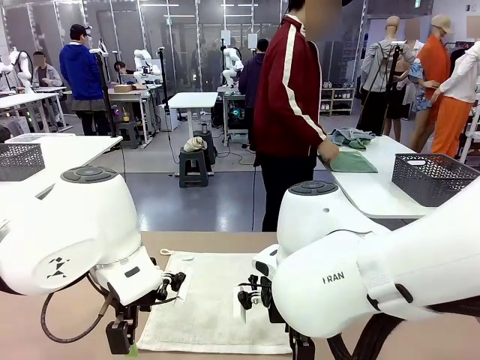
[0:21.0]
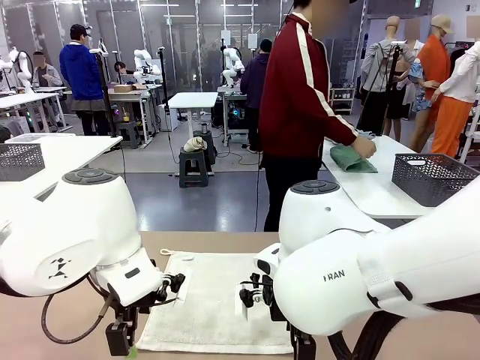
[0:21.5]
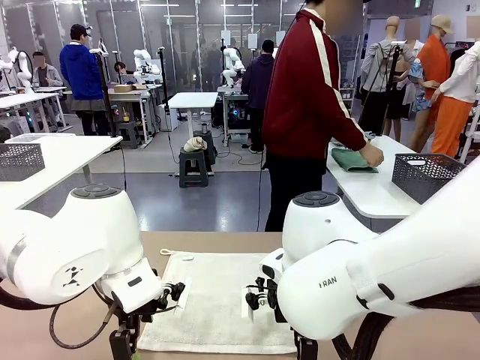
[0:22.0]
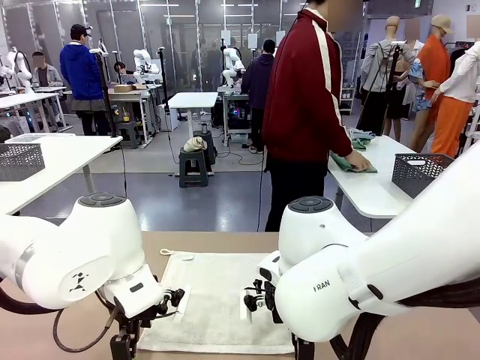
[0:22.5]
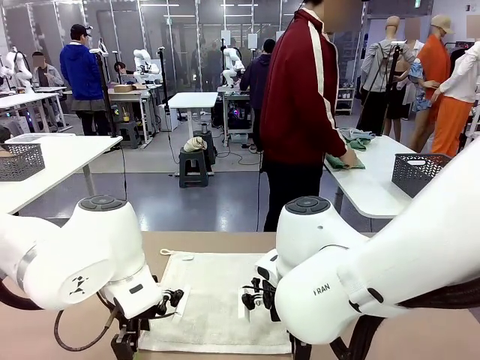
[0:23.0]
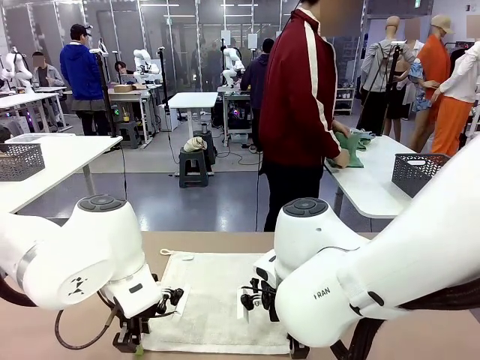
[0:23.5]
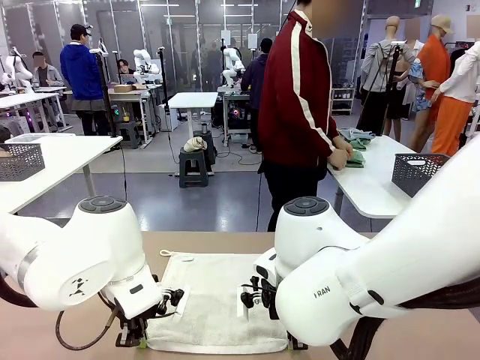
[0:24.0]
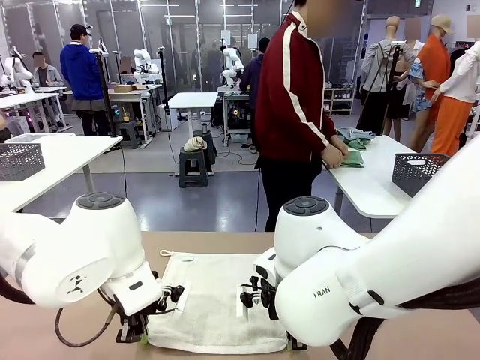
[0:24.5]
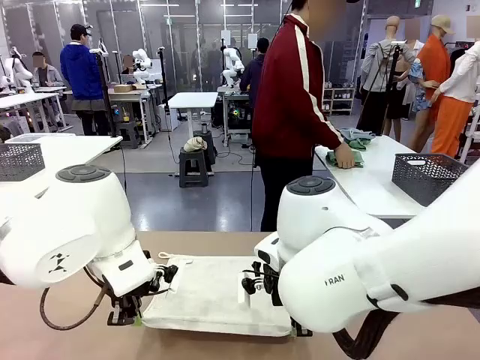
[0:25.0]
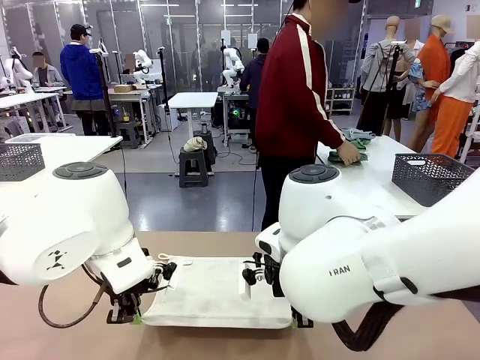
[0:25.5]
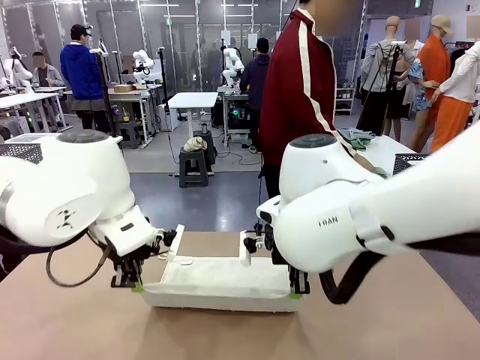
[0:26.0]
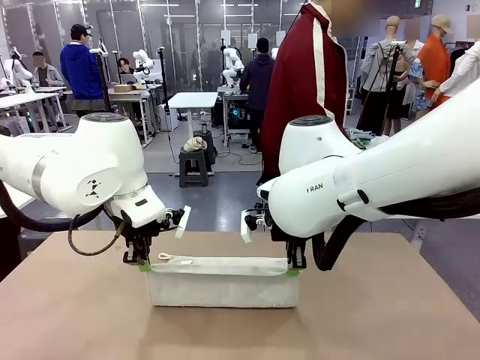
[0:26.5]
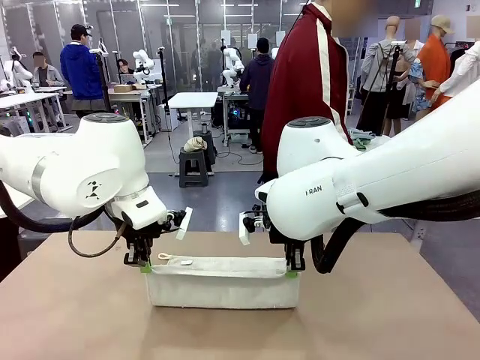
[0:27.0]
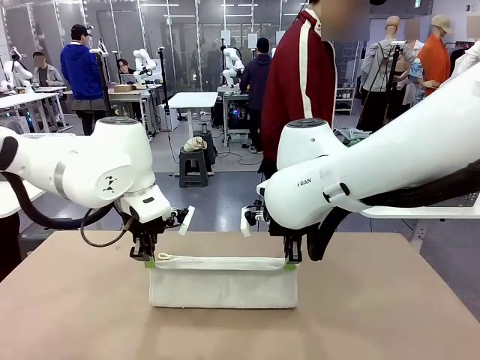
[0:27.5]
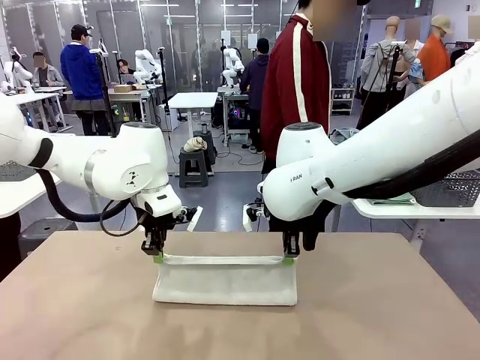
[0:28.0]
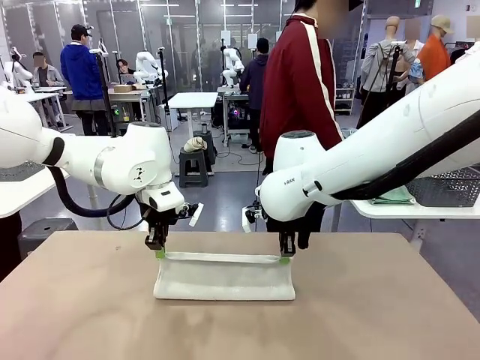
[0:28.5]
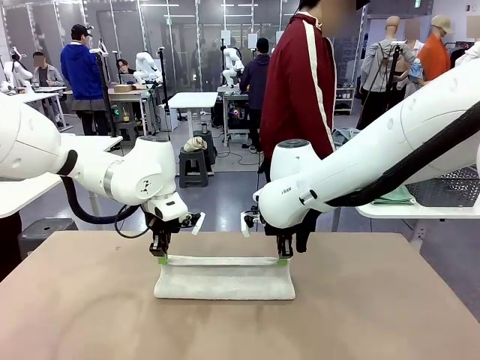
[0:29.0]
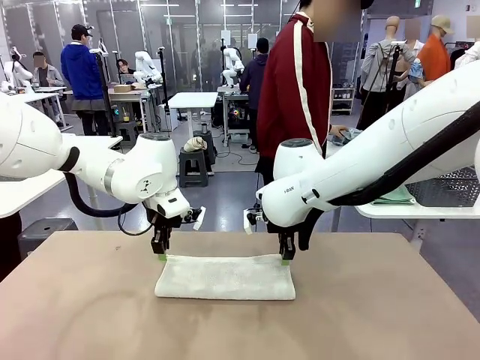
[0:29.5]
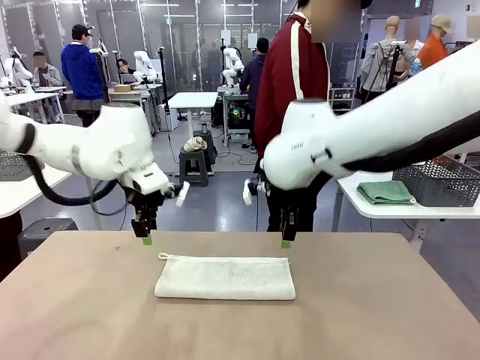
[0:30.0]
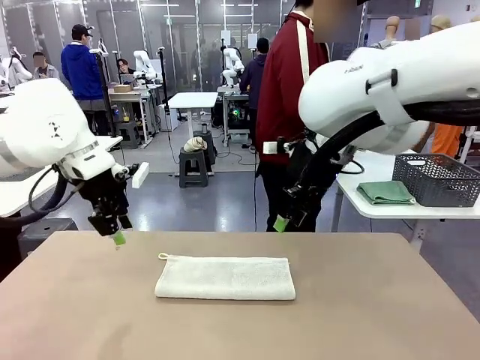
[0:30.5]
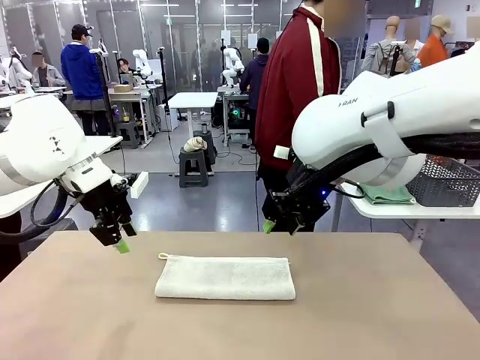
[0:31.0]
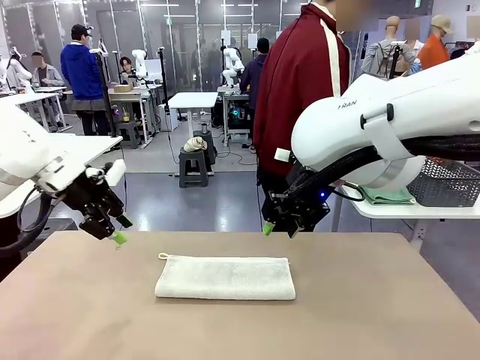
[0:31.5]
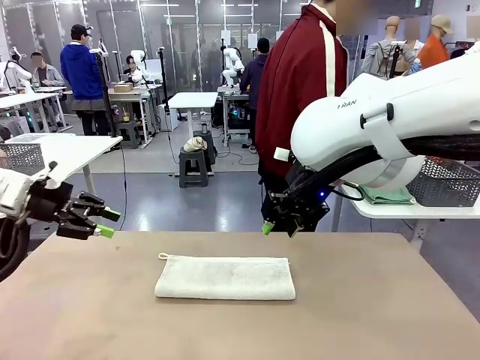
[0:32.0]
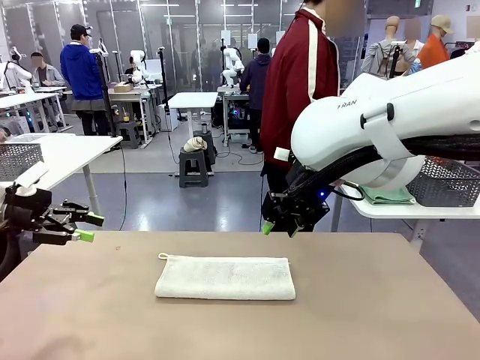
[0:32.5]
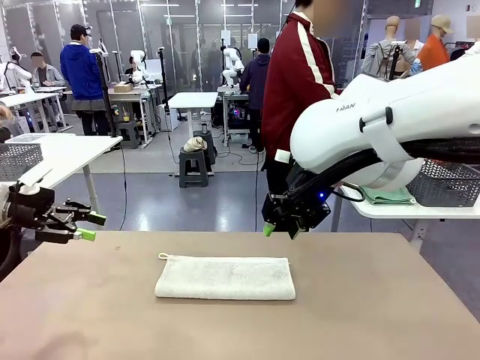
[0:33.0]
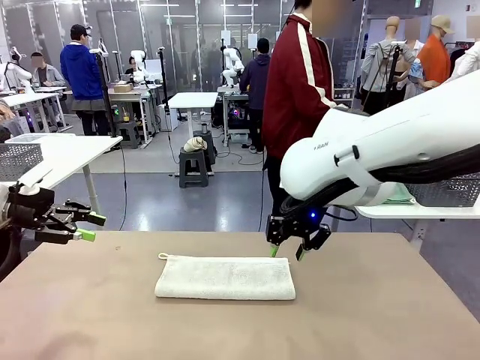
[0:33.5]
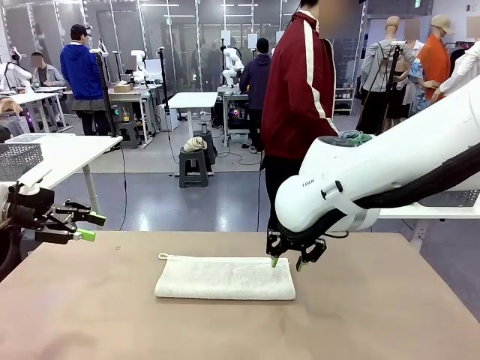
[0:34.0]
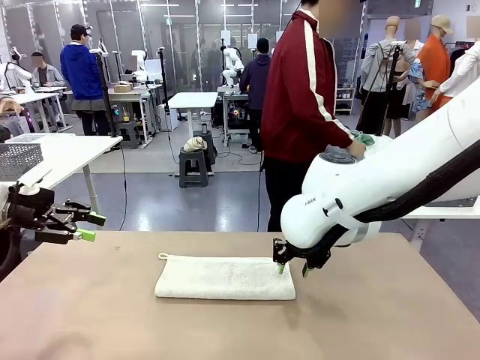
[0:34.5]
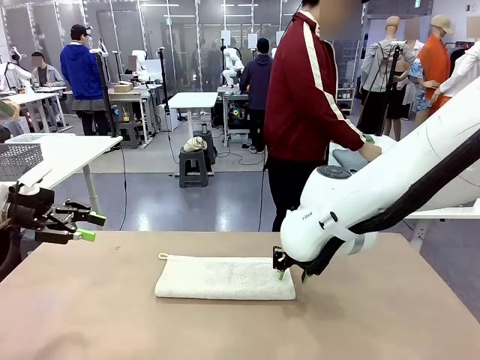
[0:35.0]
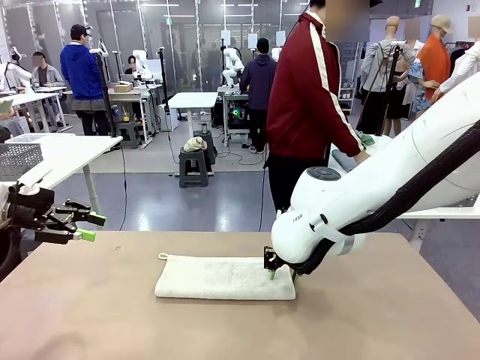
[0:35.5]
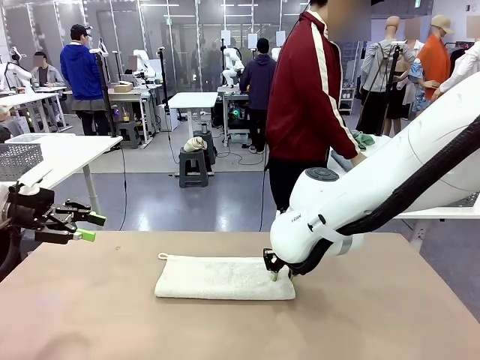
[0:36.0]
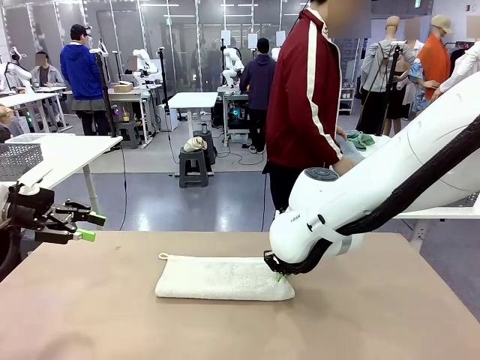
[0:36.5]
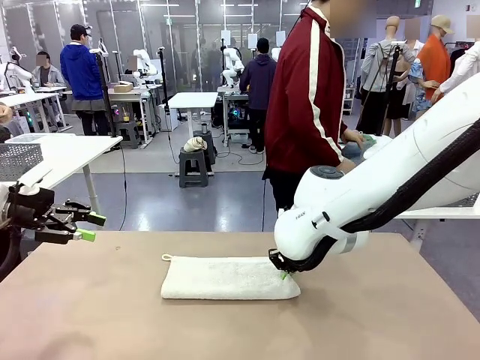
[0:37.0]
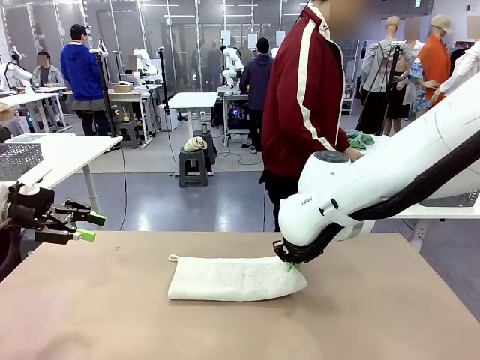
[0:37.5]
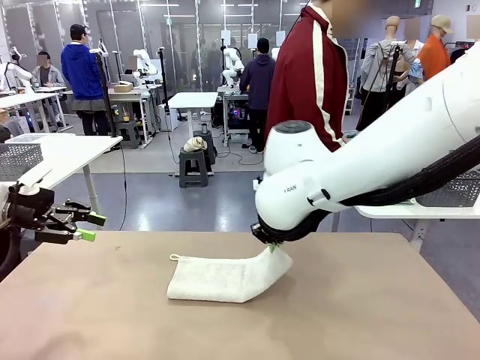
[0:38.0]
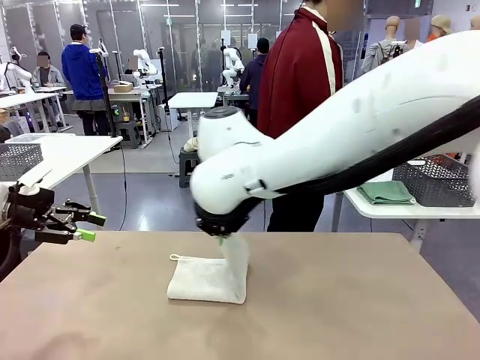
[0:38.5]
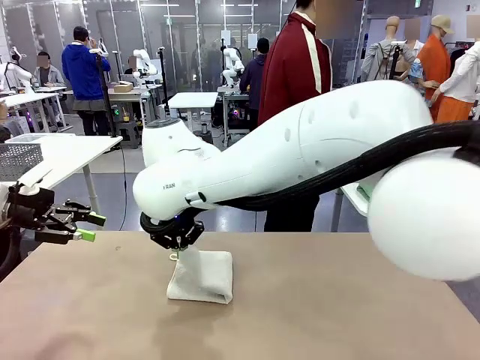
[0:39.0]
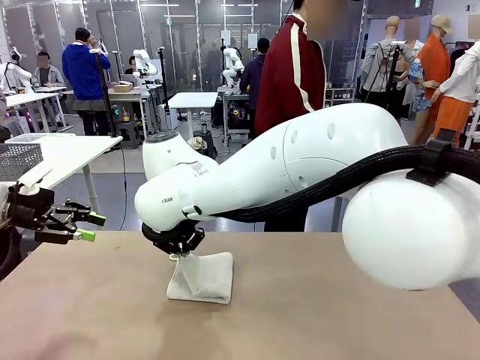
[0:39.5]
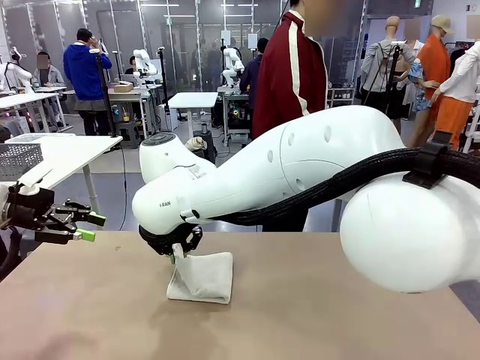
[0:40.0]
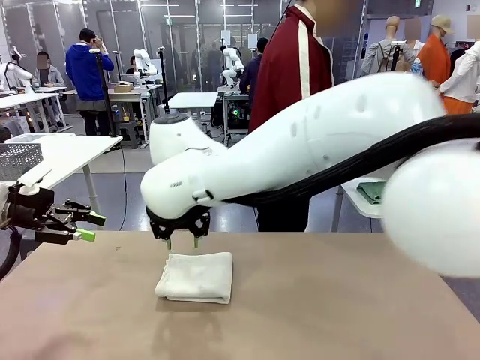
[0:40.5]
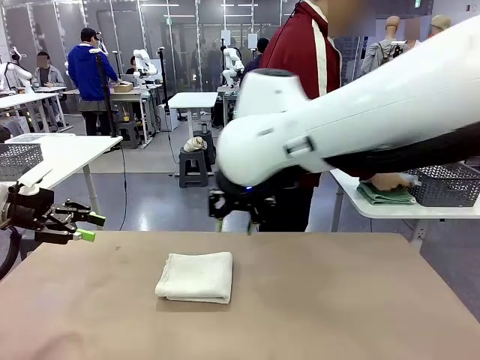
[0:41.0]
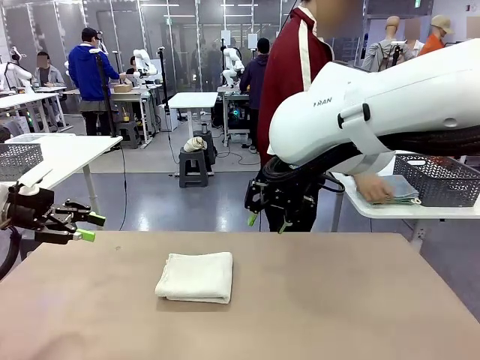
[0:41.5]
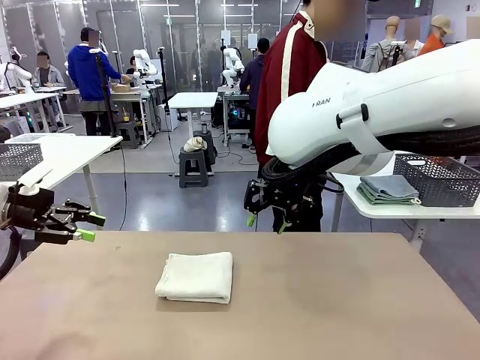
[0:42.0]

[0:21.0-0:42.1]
Task: Fold the towels and place them in the basket.
Robot: When a person lays out a Towel with hook on the table, fold it in half twice.
Person: Pick up one towel from the left side of the human table, fold it in half twice, and place it on the right side of the table. Pick up one towel from the left side of the human table, fold it in half twice, and stack it on the right side of the table.

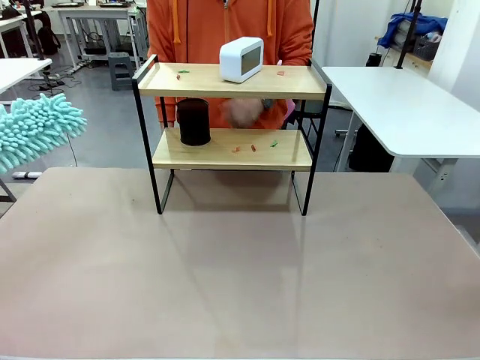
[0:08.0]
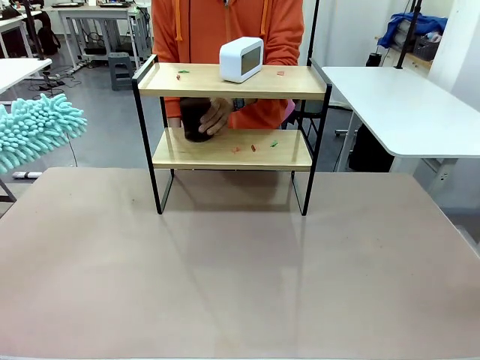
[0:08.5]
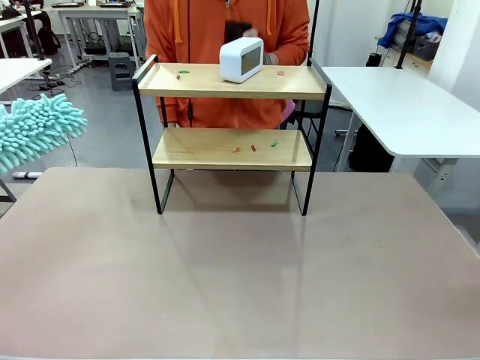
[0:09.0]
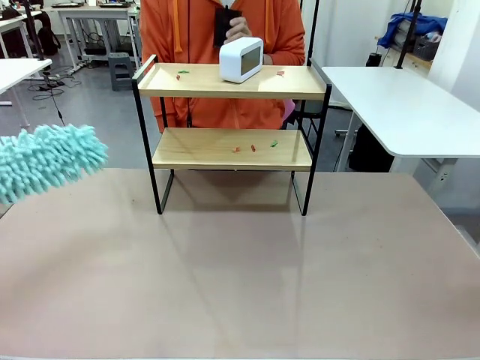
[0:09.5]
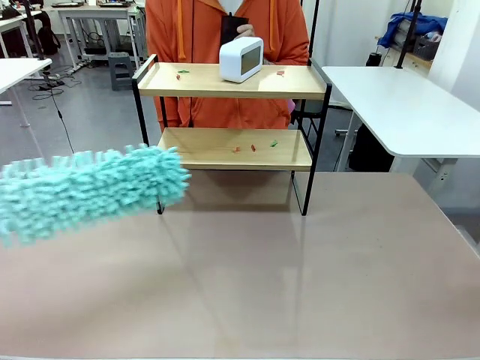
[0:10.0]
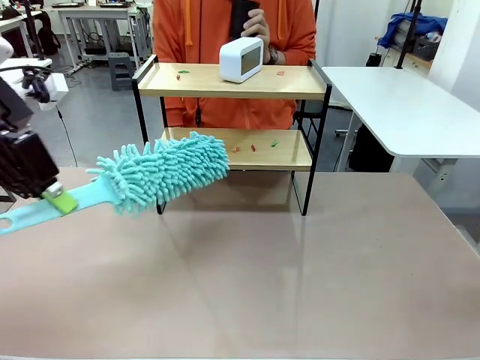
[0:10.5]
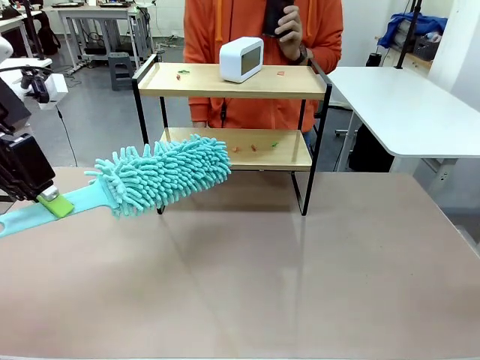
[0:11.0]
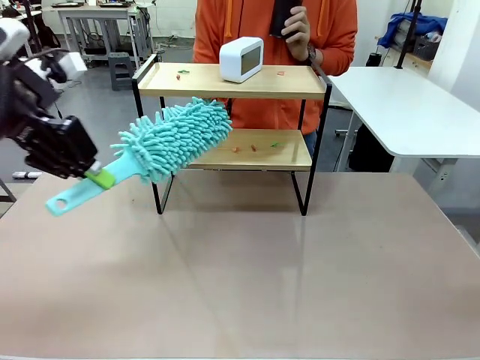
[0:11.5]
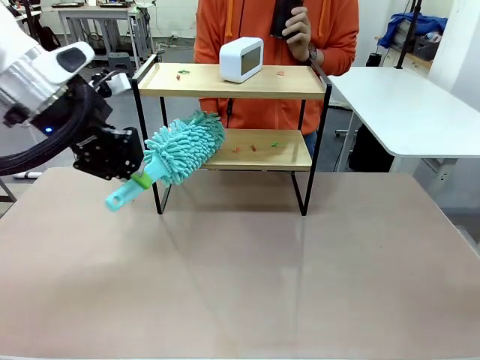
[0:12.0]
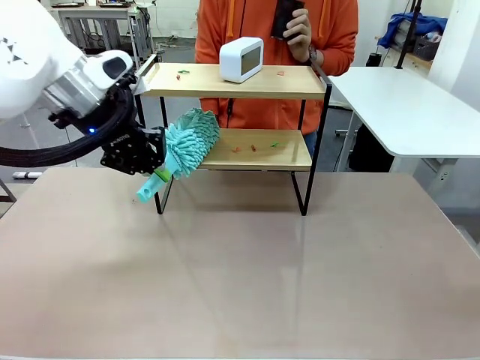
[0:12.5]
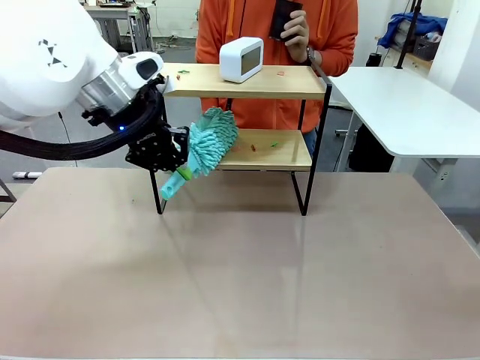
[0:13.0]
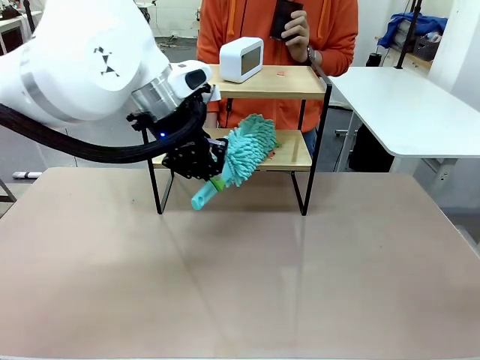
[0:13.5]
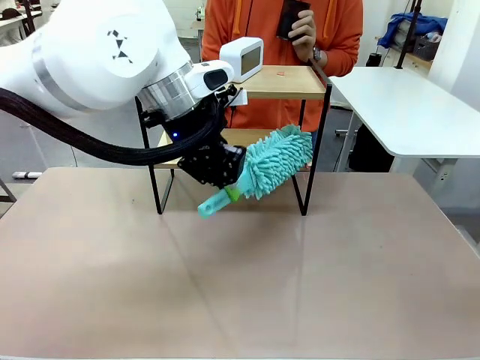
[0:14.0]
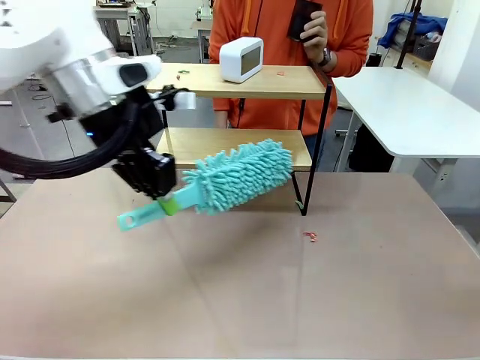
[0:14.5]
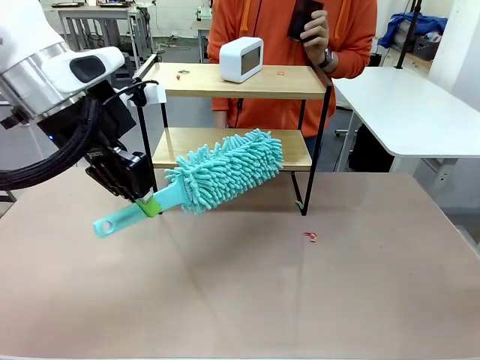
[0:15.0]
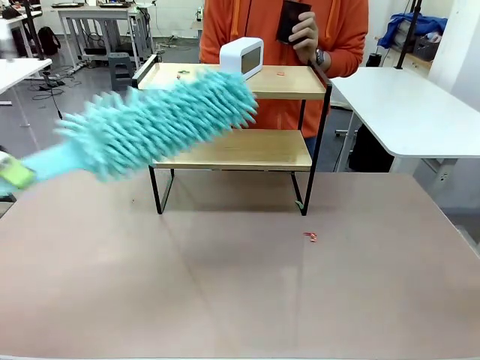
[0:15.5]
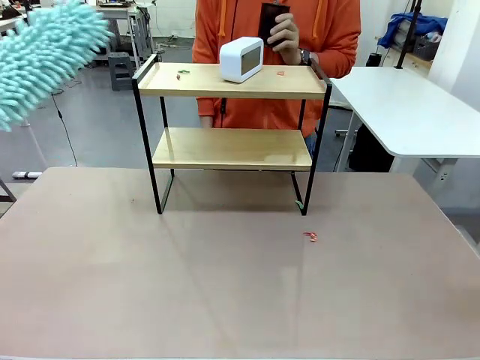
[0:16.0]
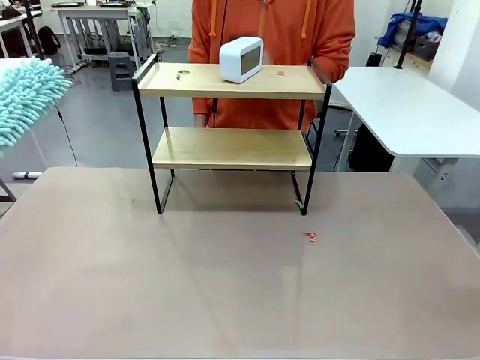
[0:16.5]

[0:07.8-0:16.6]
Task: Clean the shelf.
Robot: Clean the specific tier of the Shelf with the Duster once objects are removed.
Person: Lift the objects on a randomly selected tier of the Shelf. Once the robot finishes cleaning, lift the objects on the remaining tiers of the Shelf.
